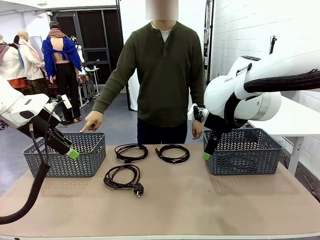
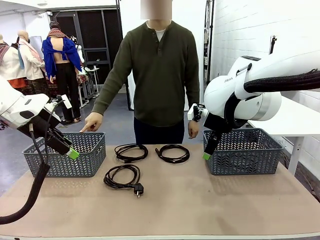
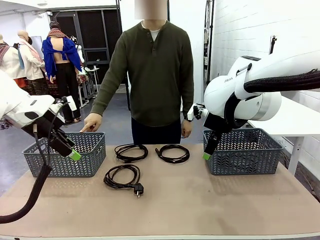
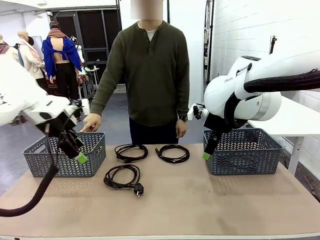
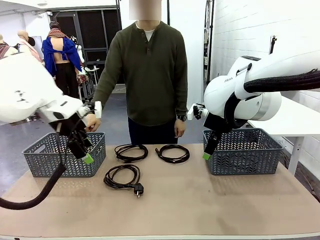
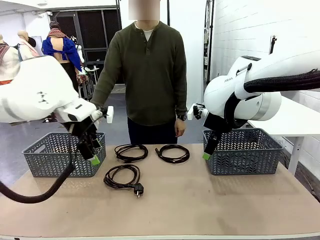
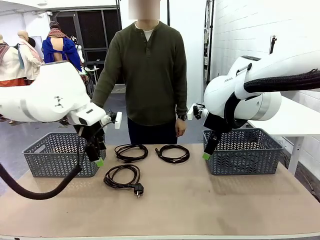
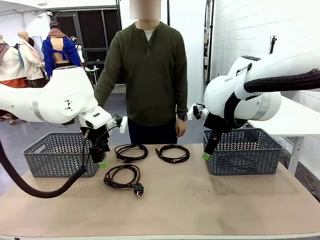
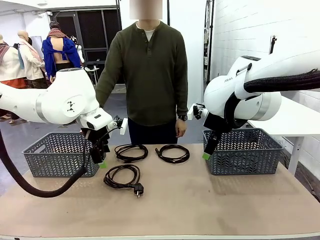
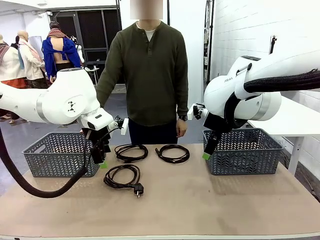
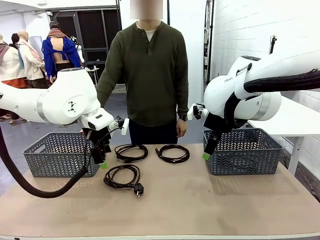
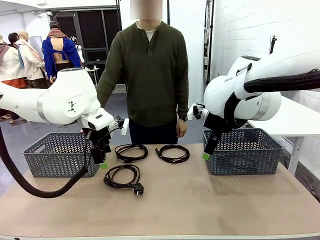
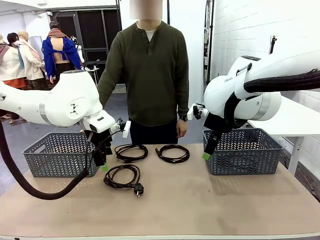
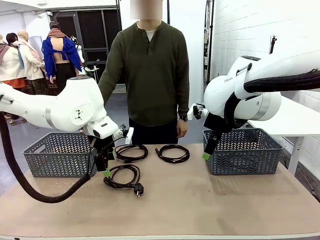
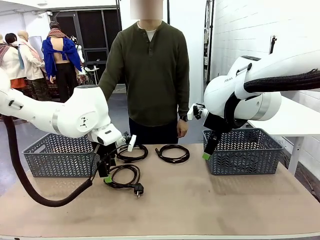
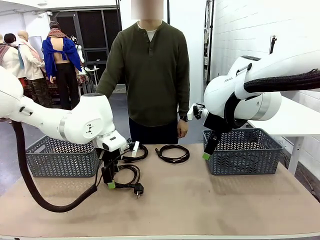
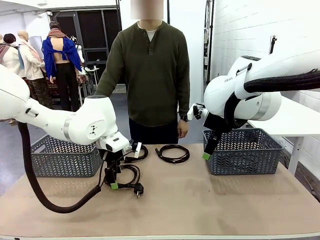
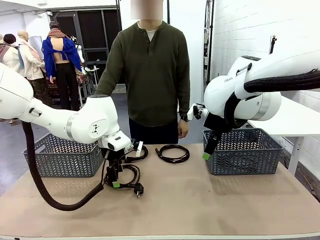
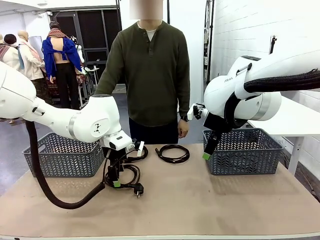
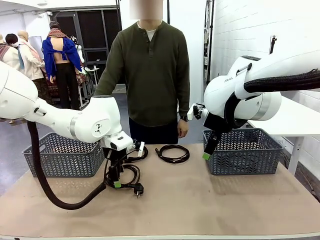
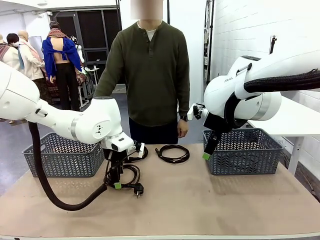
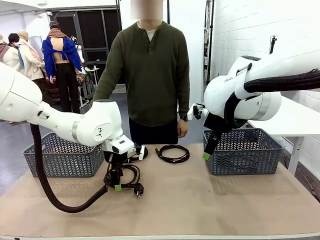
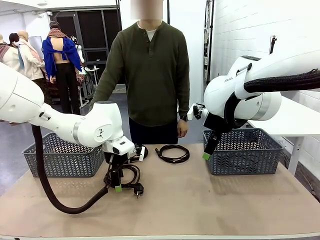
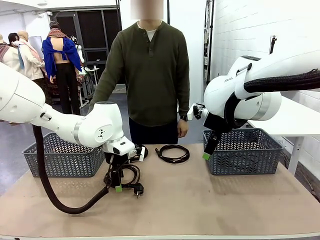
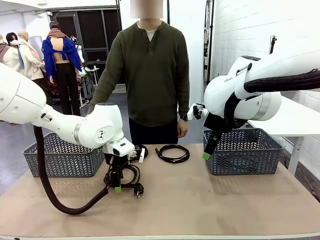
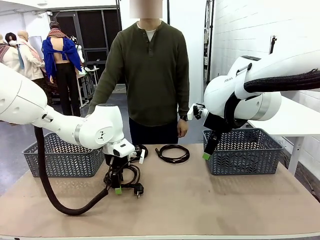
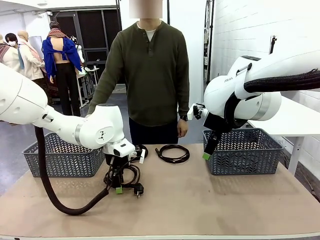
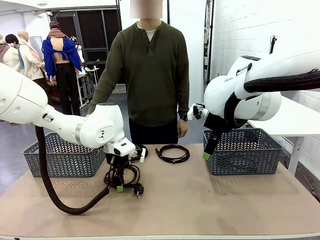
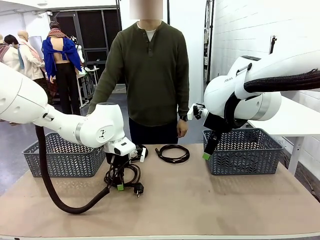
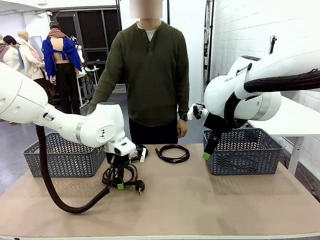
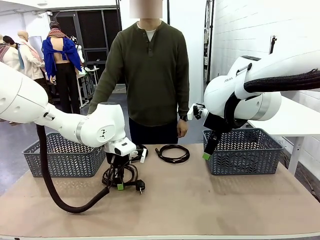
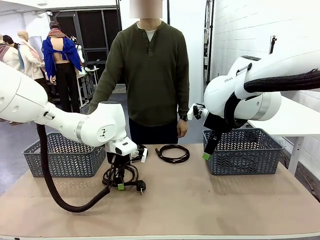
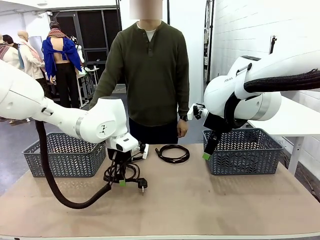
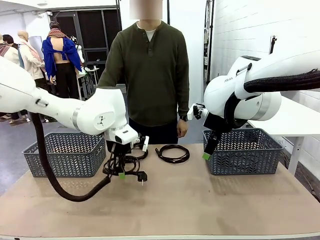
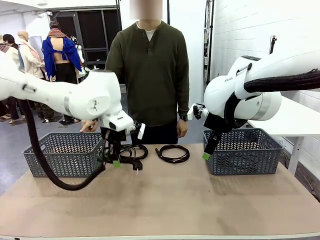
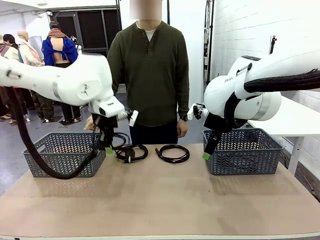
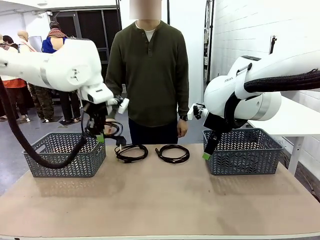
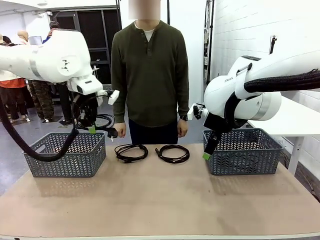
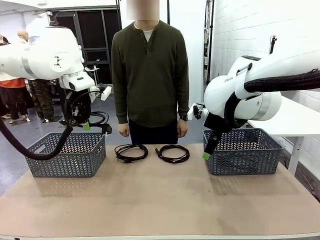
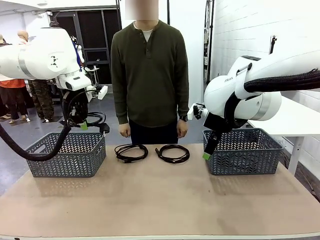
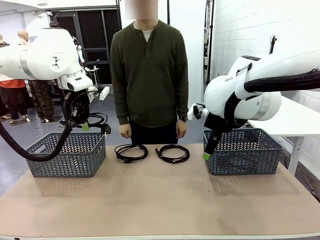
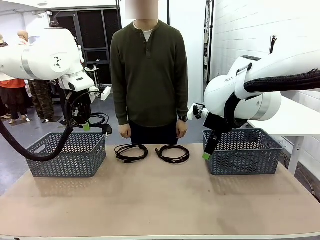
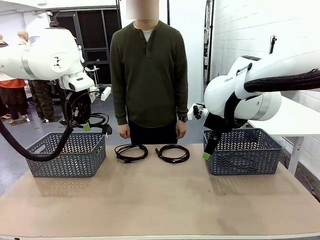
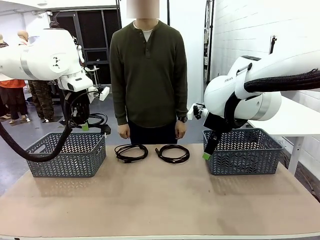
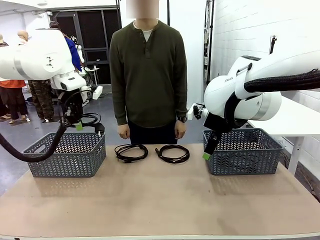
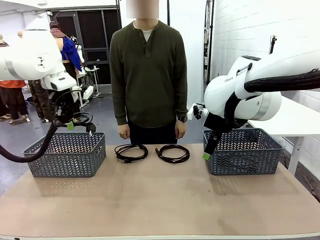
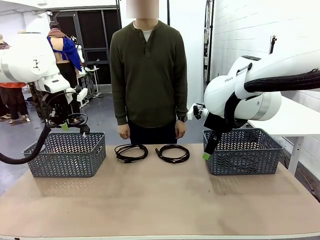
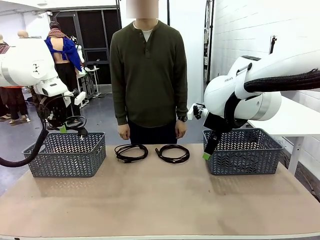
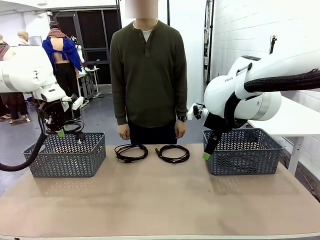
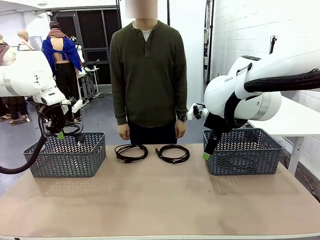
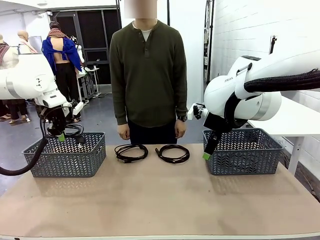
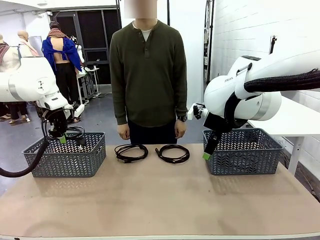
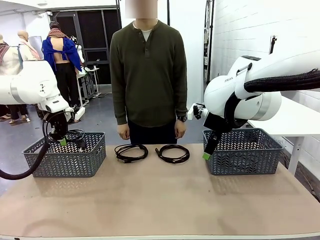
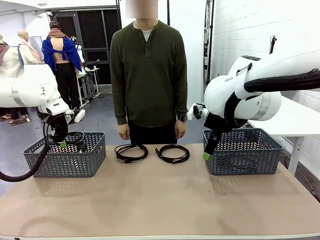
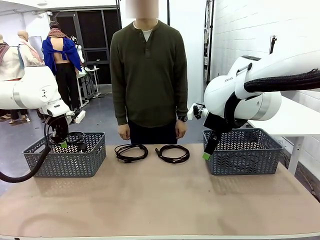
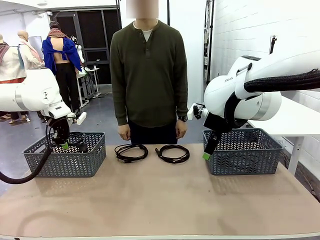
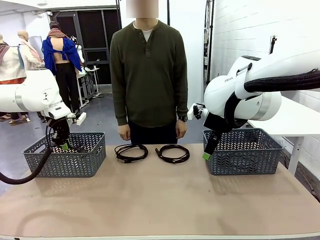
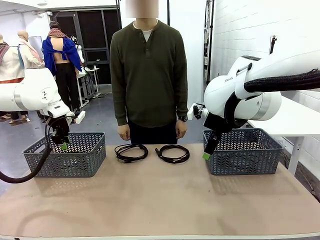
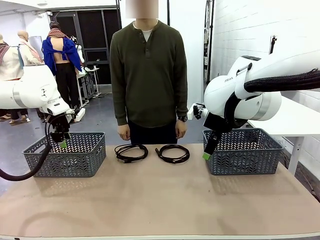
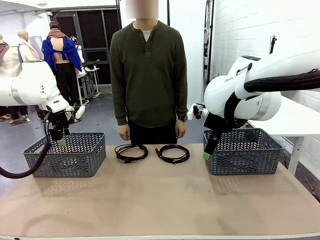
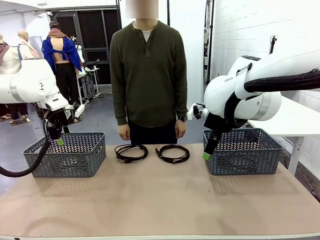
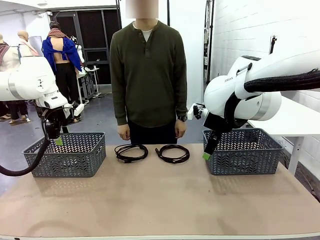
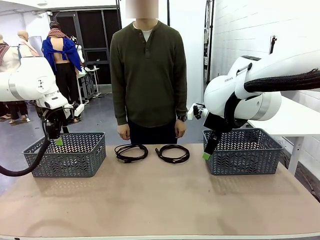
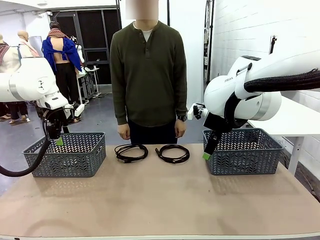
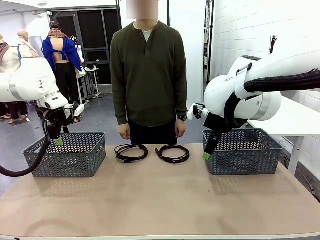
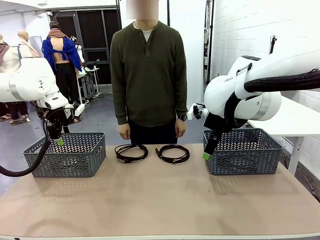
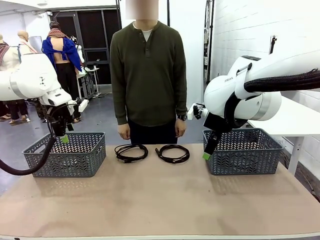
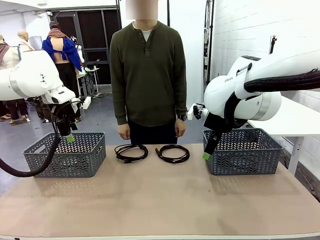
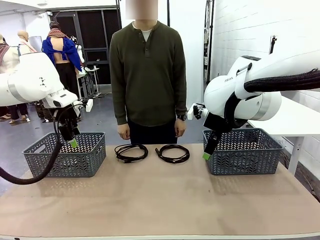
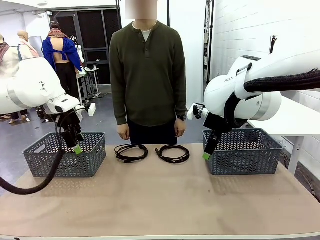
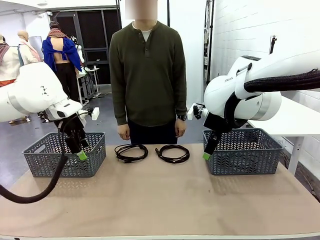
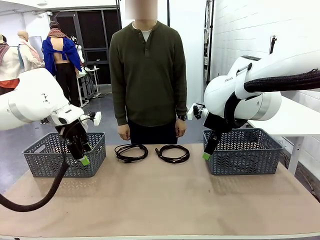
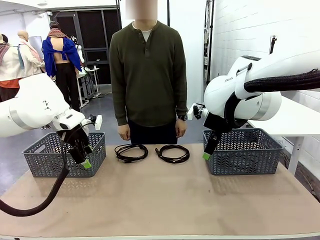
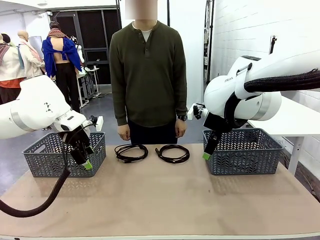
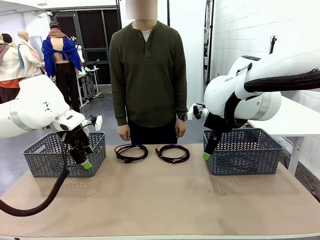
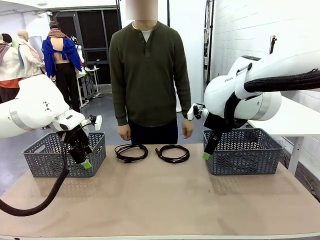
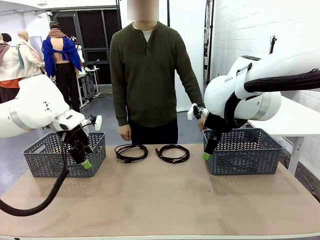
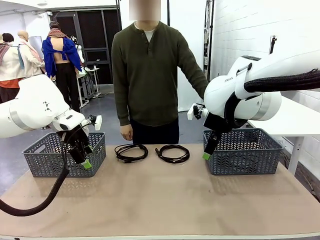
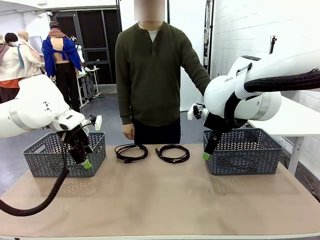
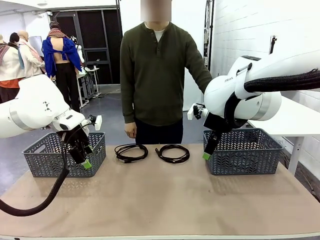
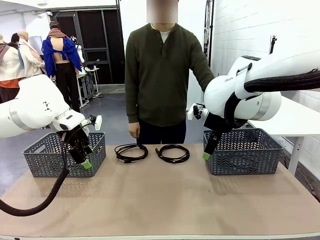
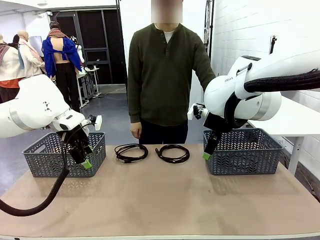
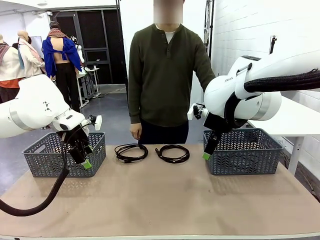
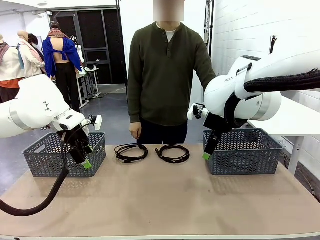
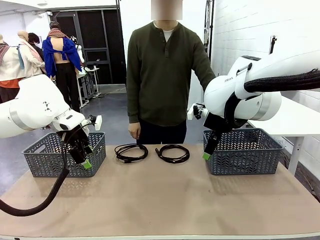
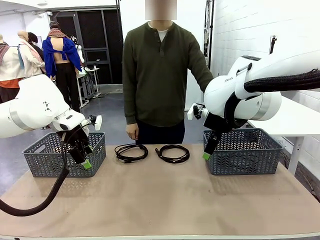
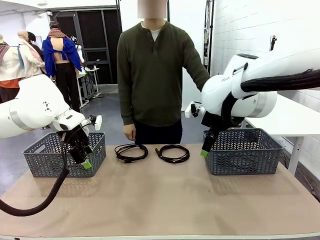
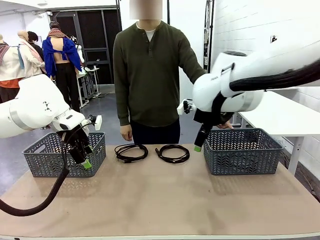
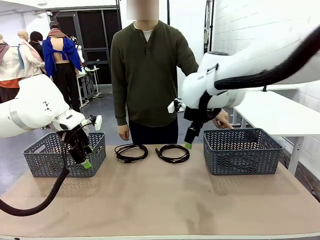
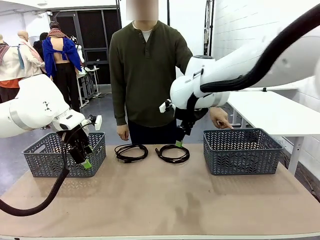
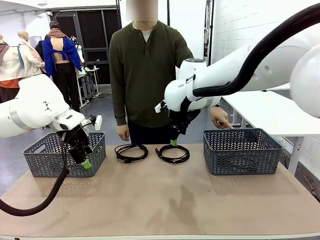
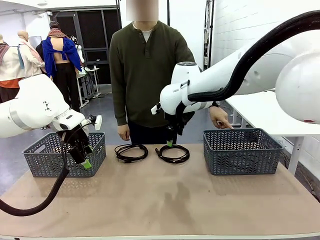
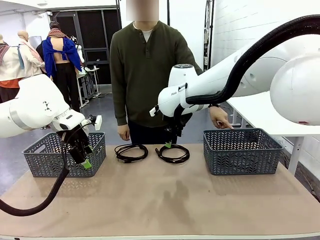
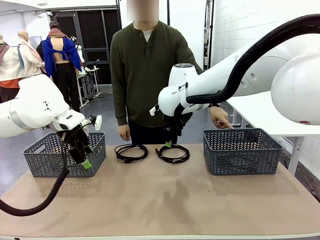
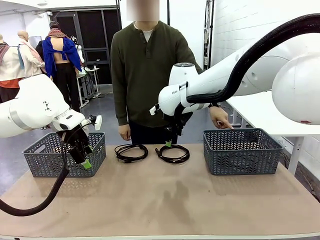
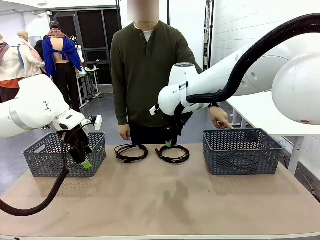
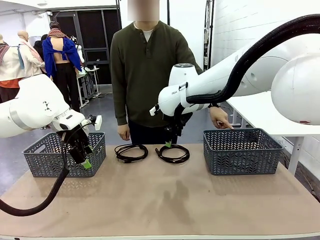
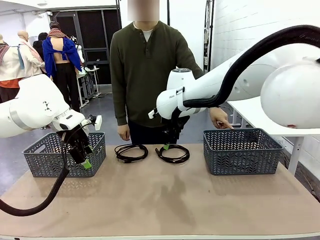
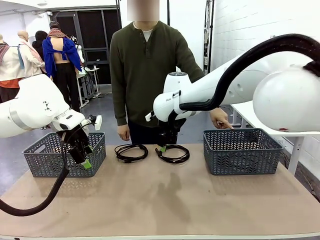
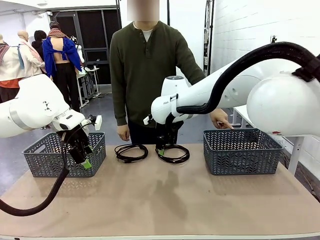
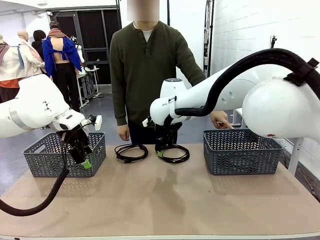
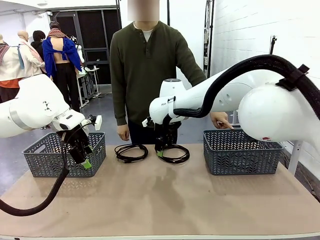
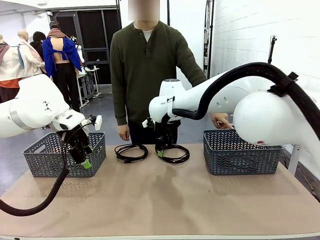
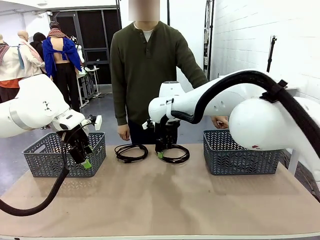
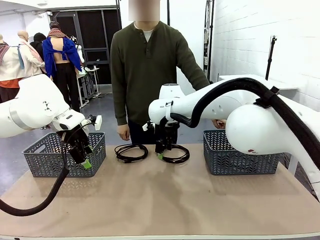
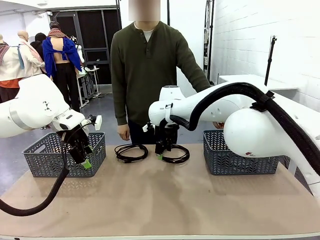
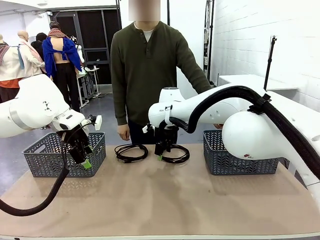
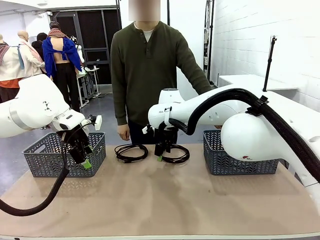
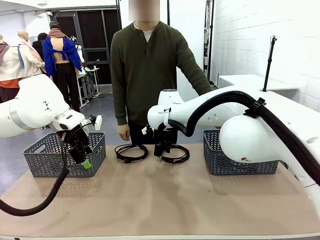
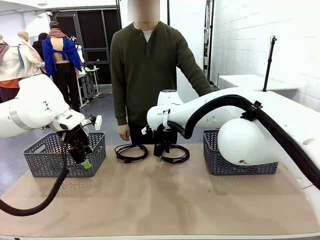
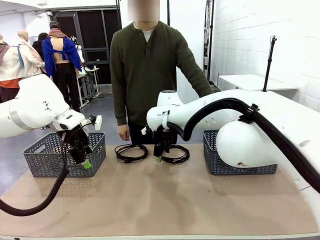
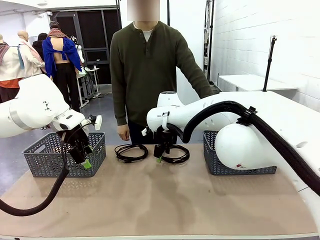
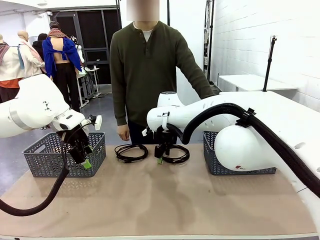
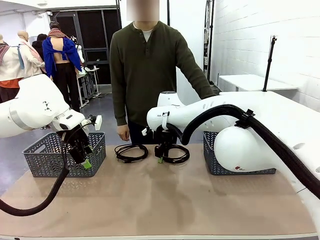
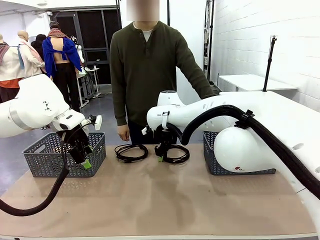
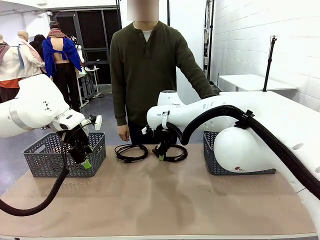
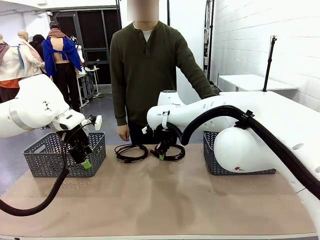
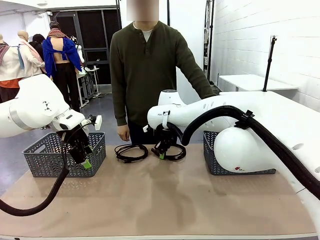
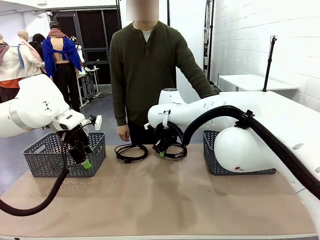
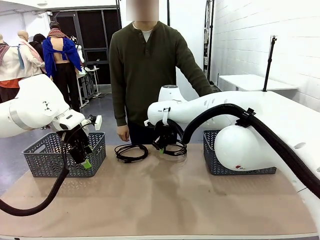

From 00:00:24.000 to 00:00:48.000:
Task: Organize the cables according to human instructions.
Robot: Pick up a bundle of cables and place it in the basket indicated by the human.
